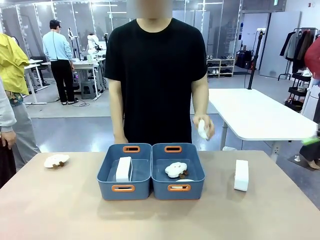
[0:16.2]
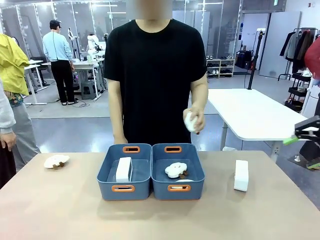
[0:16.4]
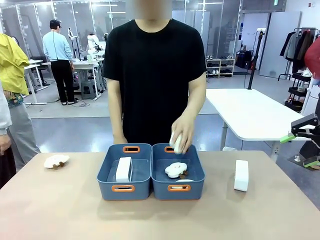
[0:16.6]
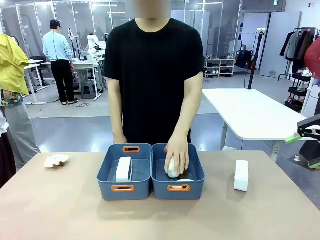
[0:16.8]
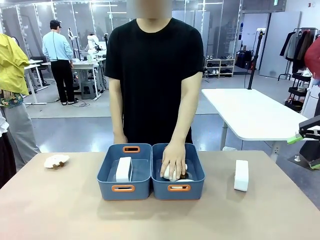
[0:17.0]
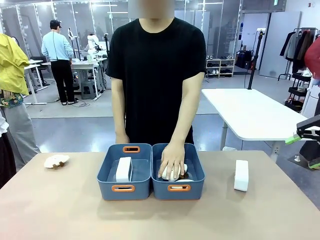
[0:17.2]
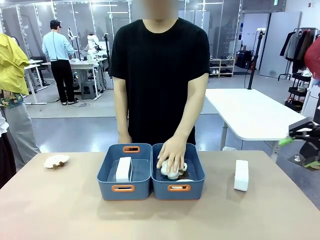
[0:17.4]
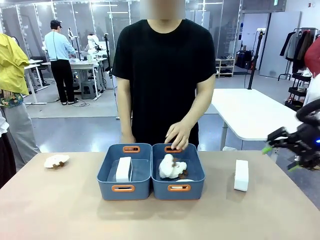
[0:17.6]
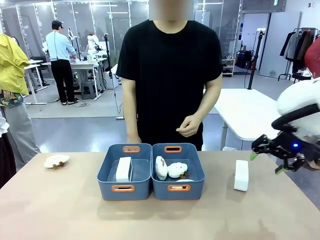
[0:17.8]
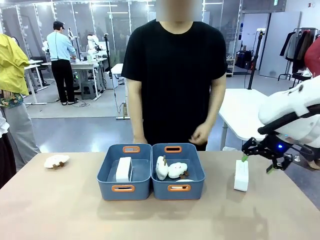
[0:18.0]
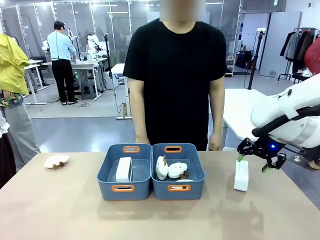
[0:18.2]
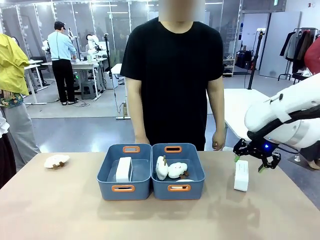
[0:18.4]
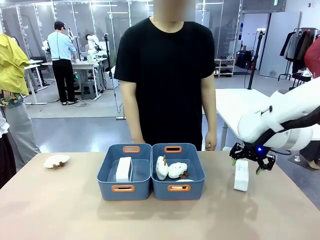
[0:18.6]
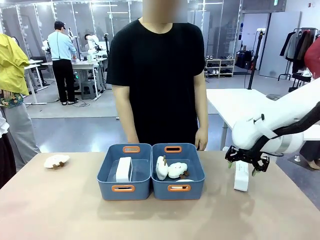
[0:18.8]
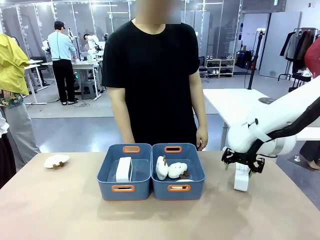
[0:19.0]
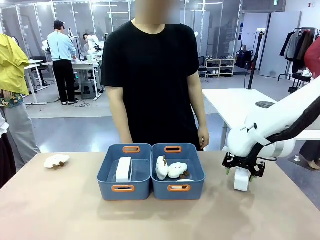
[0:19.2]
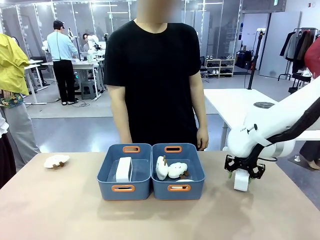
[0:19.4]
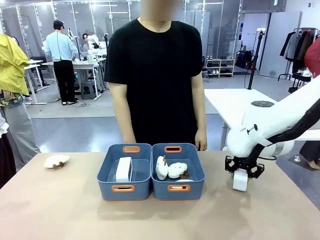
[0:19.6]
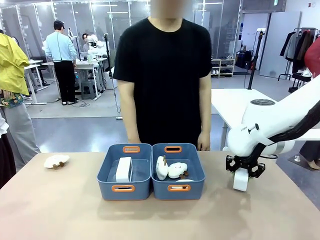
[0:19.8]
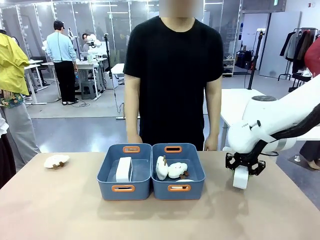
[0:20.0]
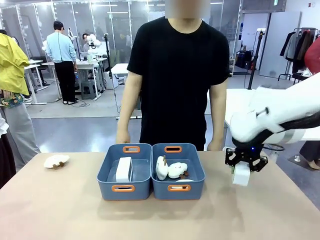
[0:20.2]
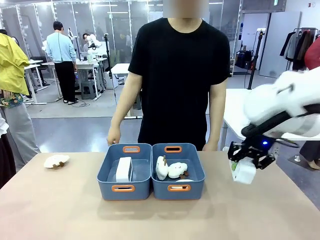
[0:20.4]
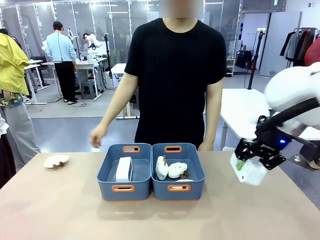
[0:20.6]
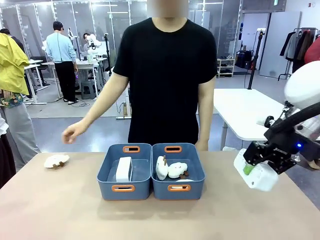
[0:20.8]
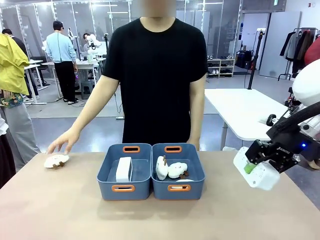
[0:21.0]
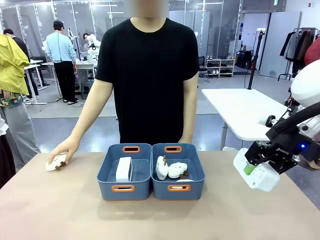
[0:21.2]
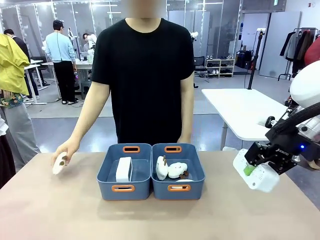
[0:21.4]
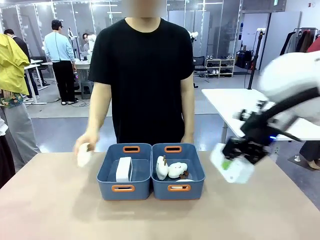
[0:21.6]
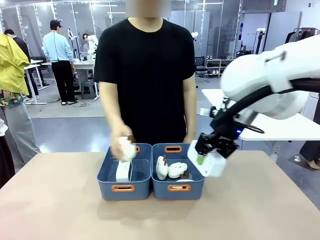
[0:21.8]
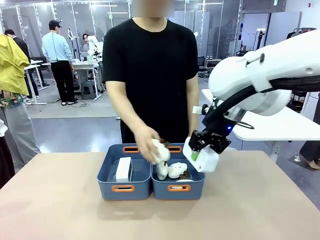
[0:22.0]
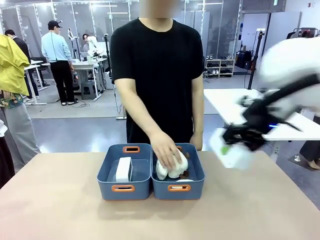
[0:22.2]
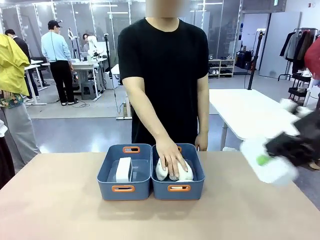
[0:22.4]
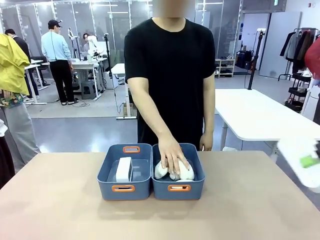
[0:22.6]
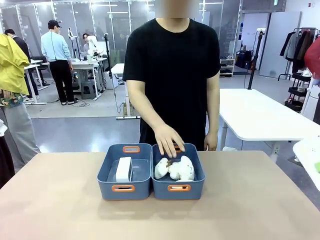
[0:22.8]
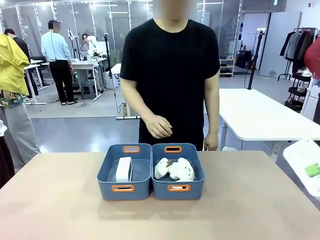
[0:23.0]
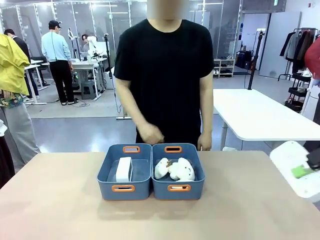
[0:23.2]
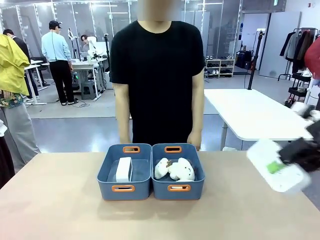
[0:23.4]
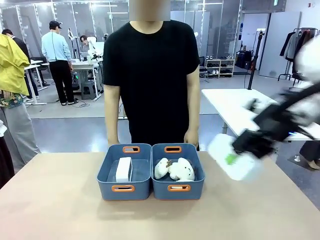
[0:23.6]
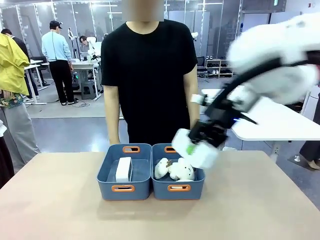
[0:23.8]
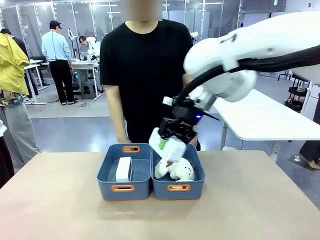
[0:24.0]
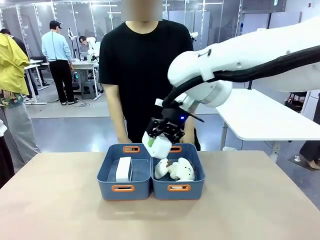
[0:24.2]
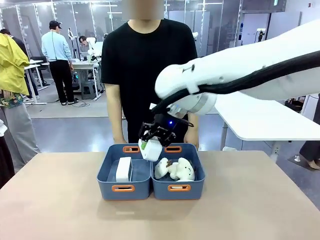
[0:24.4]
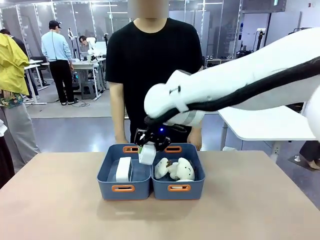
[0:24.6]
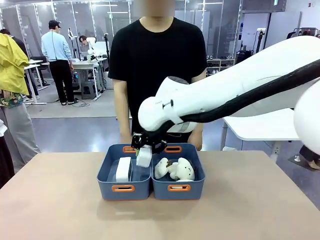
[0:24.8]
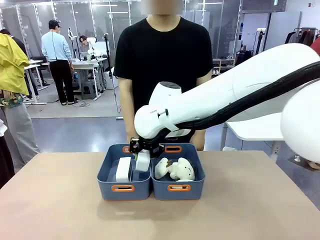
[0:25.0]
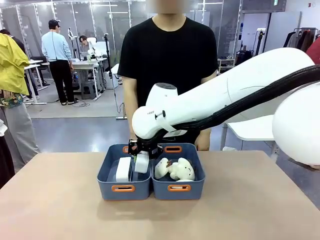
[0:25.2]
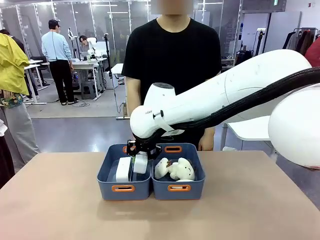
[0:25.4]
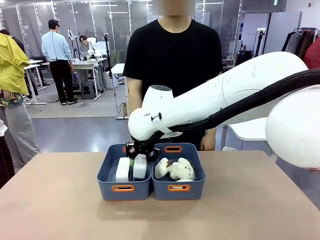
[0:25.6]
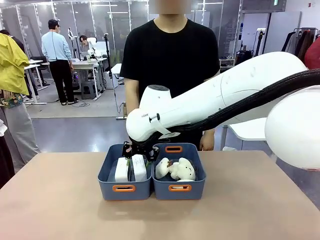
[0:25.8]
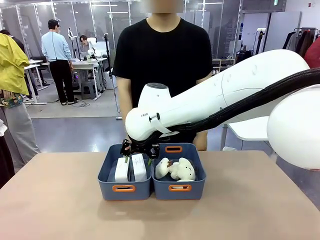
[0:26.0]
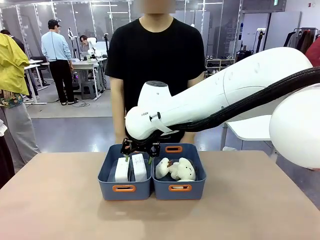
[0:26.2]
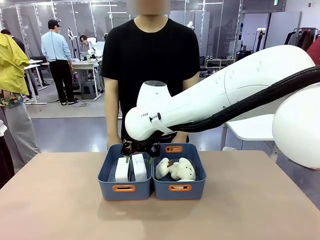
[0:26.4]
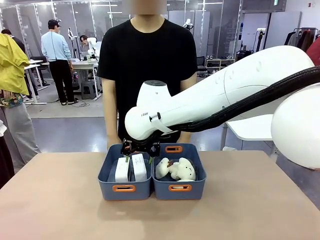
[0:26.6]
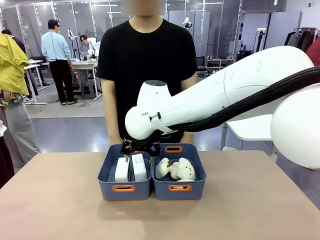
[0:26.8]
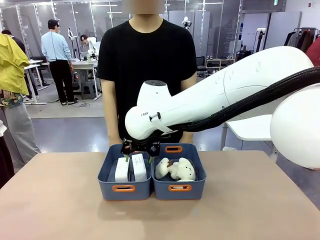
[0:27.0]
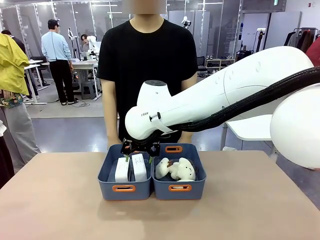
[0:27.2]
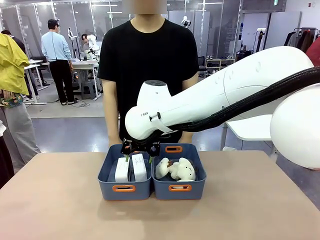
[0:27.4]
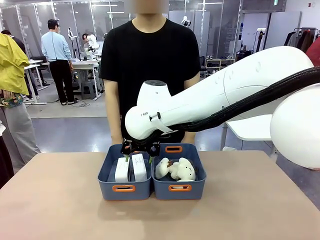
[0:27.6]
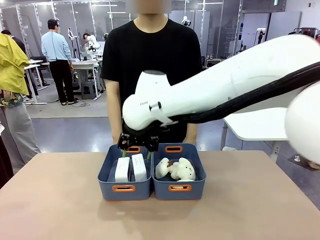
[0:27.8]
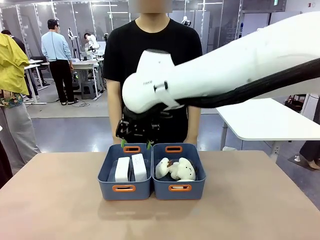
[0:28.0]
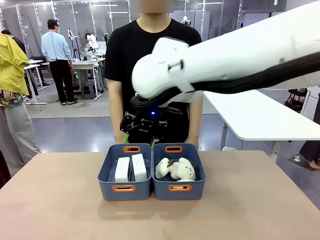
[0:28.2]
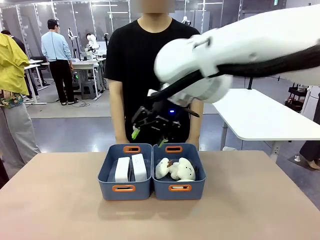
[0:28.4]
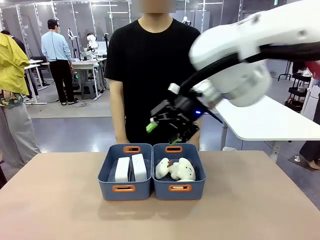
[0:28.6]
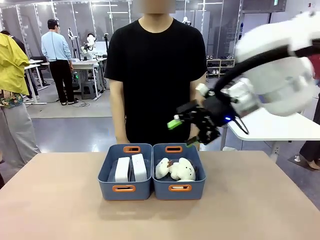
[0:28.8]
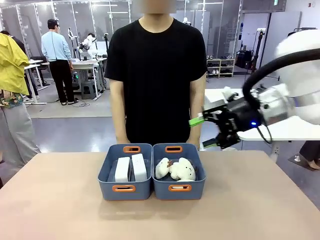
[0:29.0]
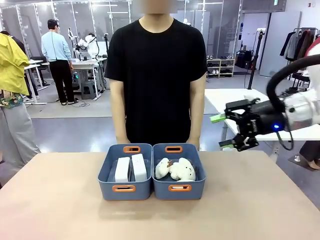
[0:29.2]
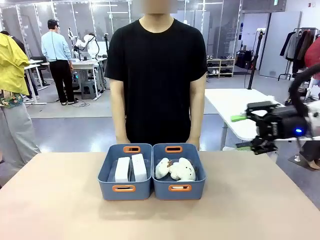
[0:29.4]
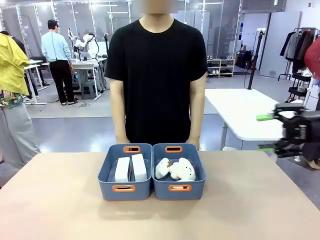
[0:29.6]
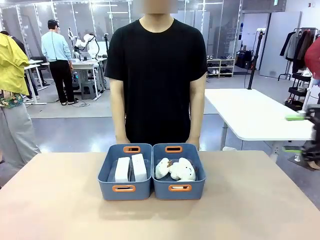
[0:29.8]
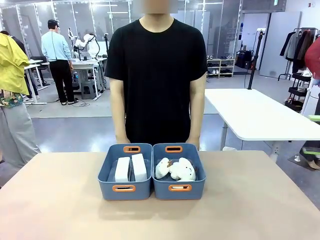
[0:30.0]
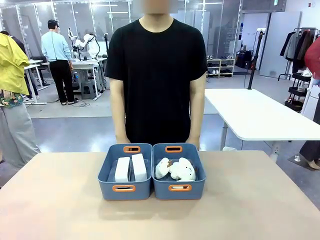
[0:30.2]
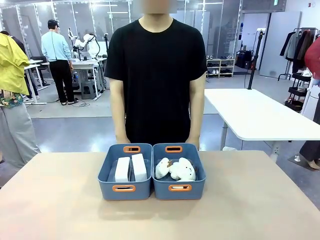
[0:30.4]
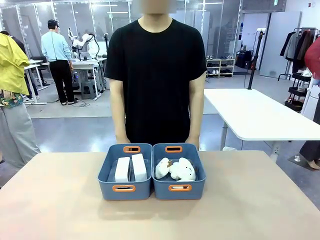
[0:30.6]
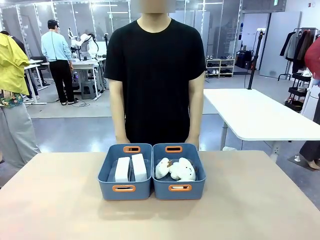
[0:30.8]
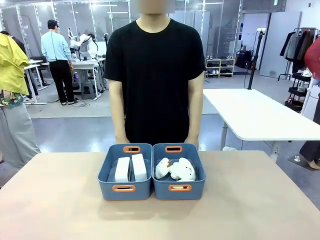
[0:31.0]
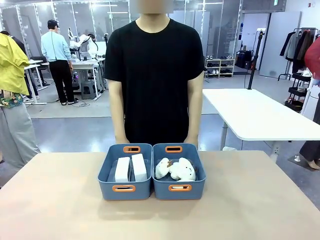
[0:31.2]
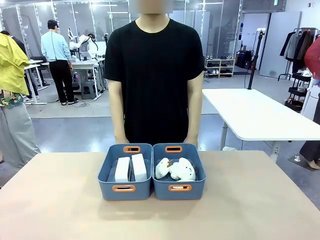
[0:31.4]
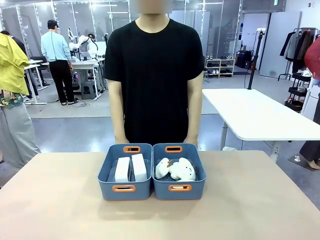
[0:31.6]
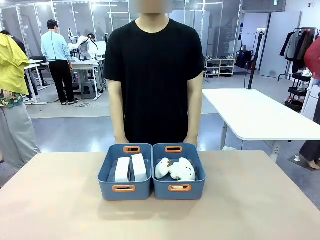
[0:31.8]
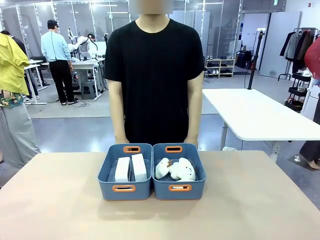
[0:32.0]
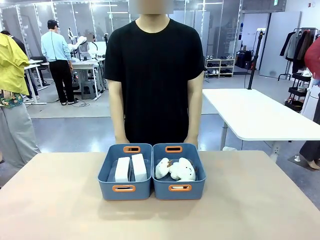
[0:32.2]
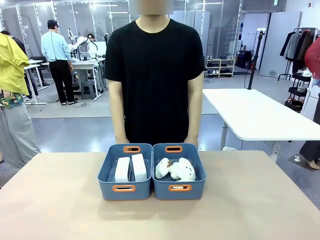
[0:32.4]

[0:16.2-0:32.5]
Task: Sort the digital clocks into the basket.
Robot: Pick up the Digital clock from the table and place it into the empty Plastic storage basket.
Person: Pick up a plush toy from the table and place it in the plastic storage basket containing the plush toy.

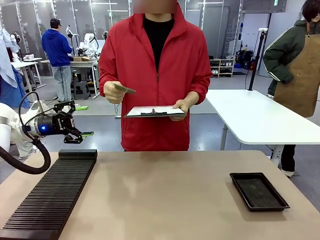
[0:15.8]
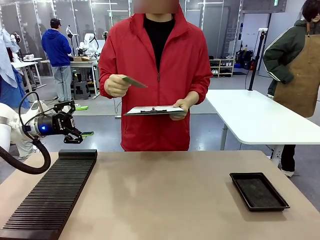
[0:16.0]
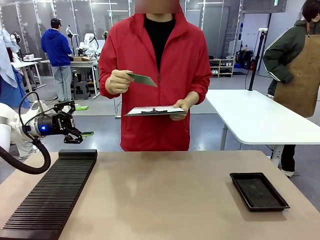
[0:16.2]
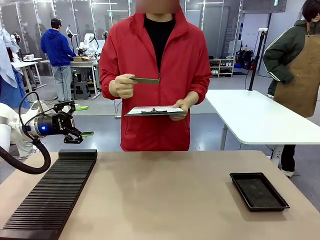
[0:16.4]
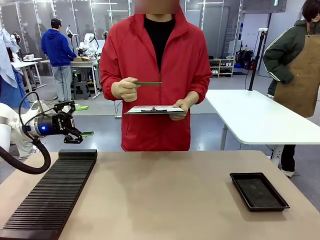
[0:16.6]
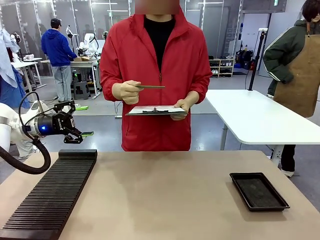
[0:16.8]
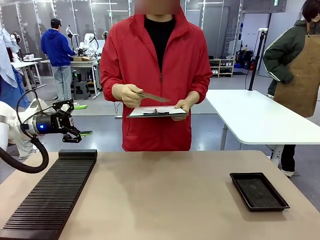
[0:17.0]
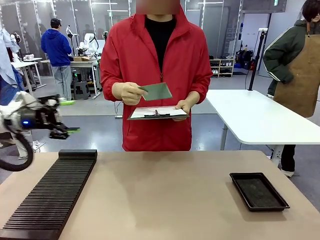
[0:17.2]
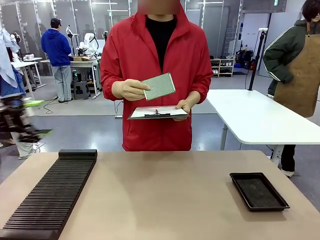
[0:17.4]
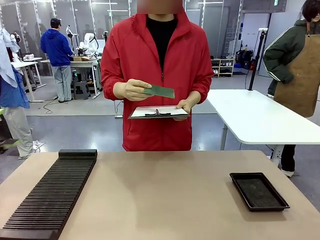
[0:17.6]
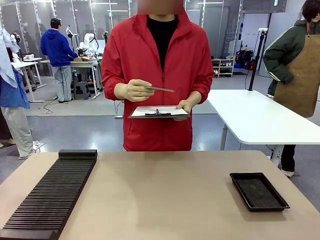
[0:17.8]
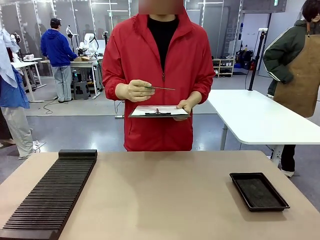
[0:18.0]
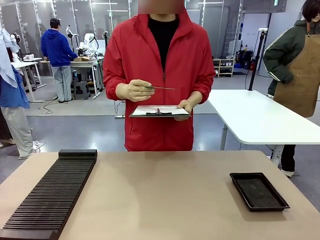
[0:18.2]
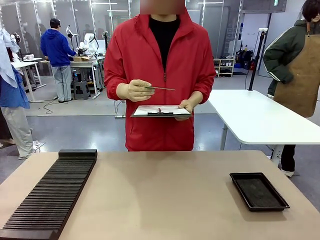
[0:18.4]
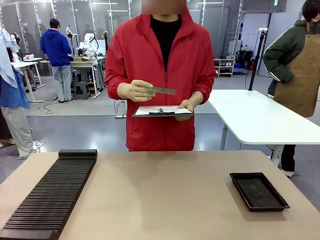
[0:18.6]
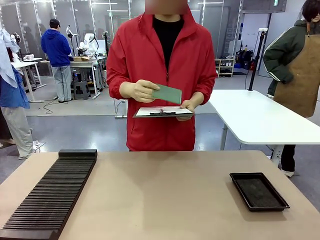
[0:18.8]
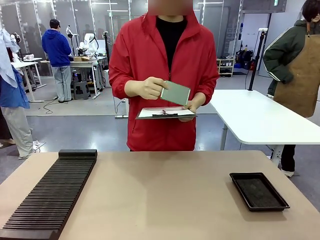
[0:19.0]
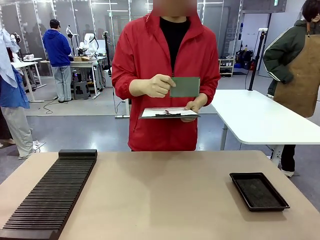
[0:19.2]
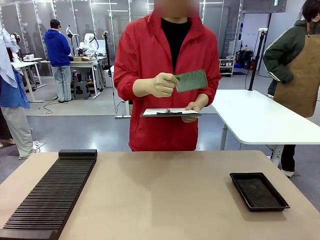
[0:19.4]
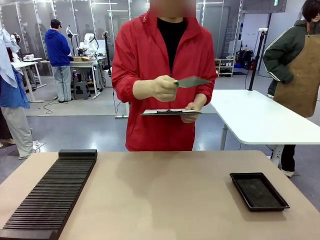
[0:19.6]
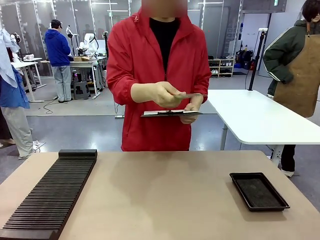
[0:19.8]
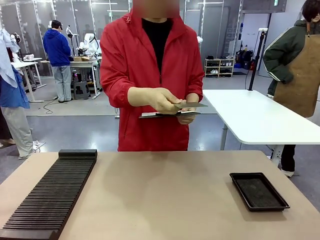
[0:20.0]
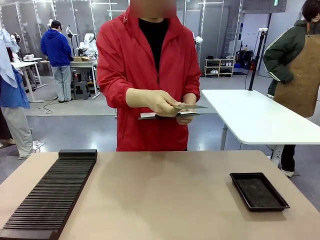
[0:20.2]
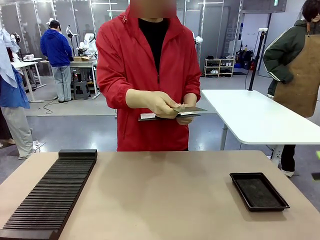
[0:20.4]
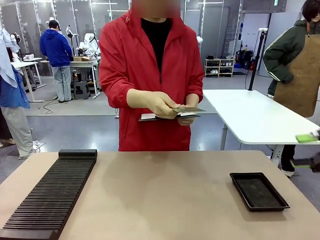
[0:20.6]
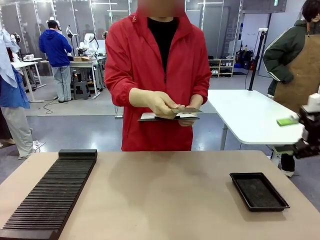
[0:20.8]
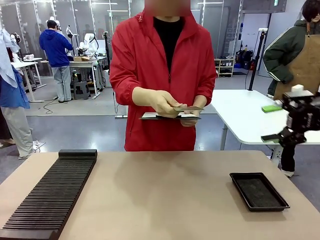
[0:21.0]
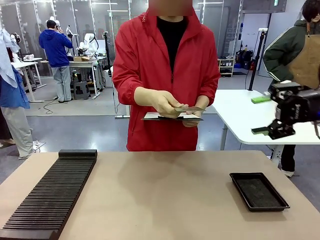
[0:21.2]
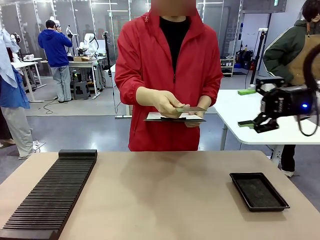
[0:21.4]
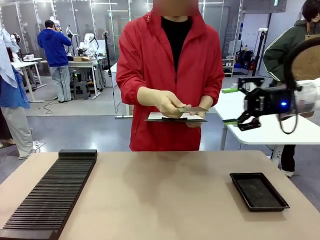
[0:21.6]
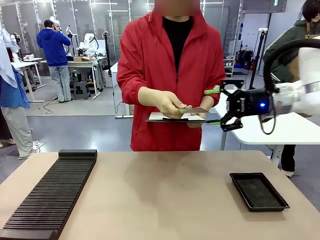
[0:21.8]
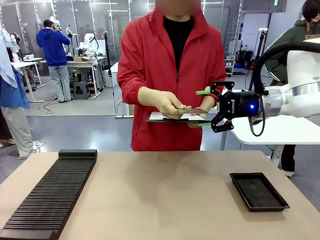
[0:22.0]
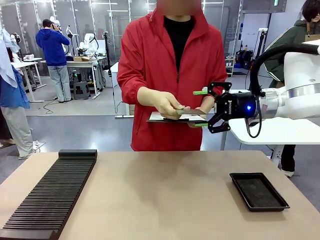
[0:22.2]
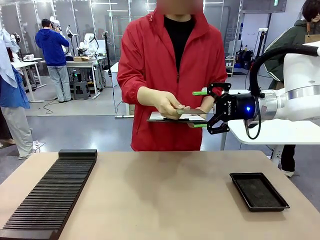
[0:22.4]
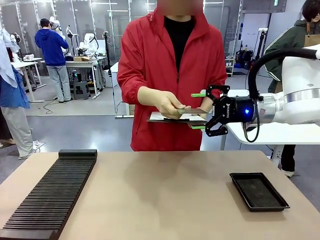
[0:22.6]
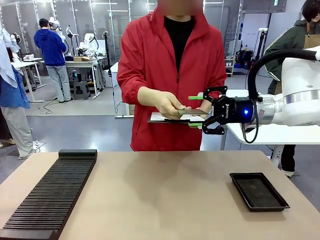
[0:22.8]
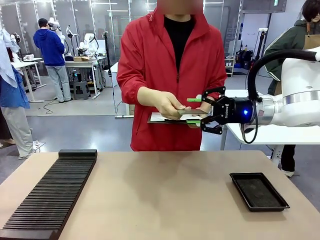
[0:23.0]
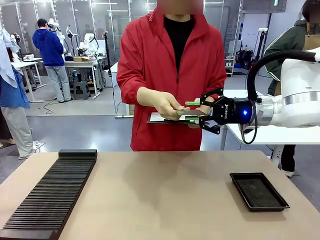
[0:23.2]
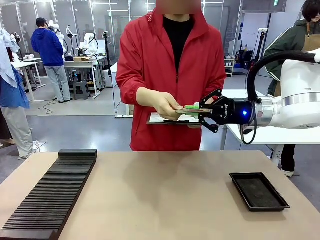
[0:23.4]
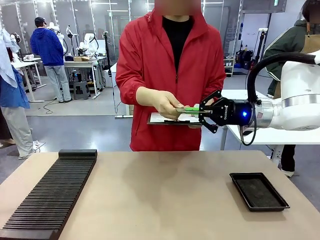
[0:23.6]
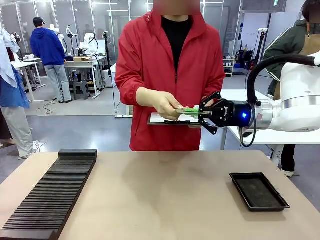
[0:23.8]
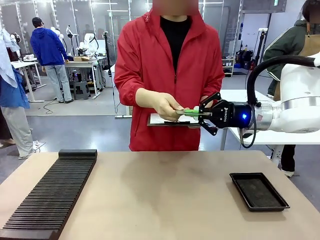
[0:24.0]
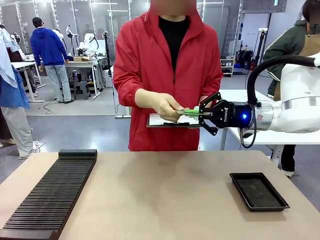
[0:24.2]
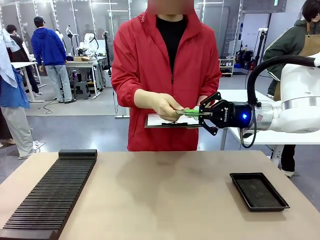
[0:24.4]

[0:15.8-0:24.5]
Task: Inspect the PCB.
Robot: Pick up the Blank PCB that the human is holding.
Person: Inspect the PCB placed by the robot, then hold it out in front of the robot. Release the PCB you were holding.
